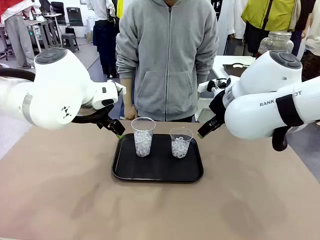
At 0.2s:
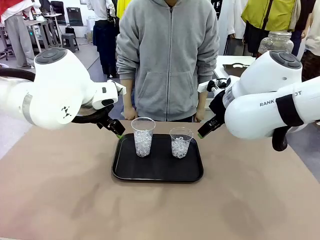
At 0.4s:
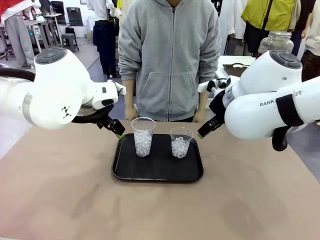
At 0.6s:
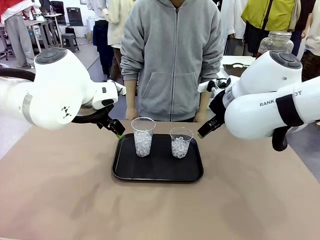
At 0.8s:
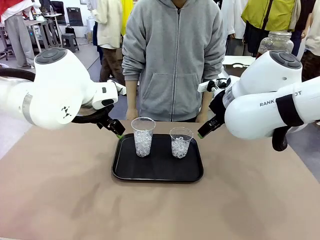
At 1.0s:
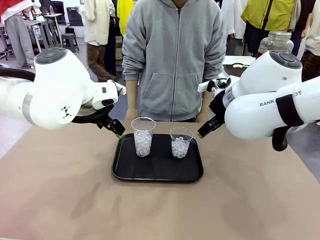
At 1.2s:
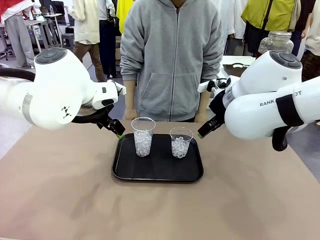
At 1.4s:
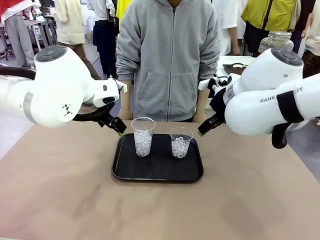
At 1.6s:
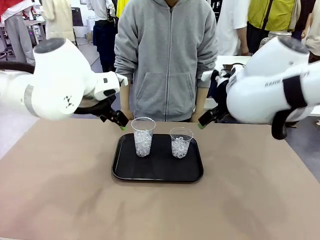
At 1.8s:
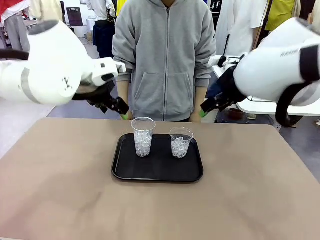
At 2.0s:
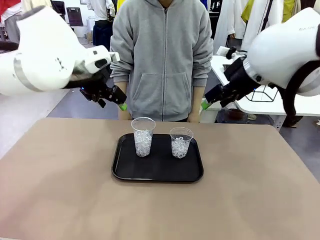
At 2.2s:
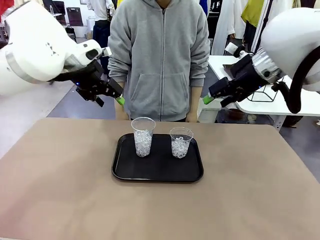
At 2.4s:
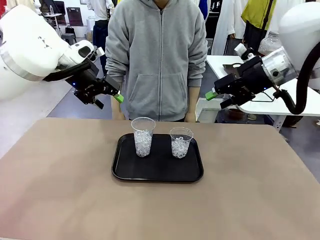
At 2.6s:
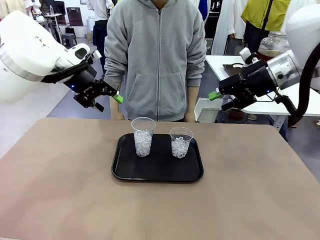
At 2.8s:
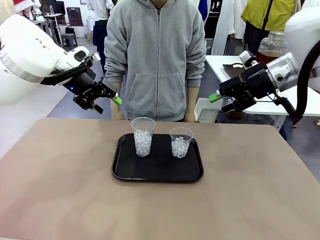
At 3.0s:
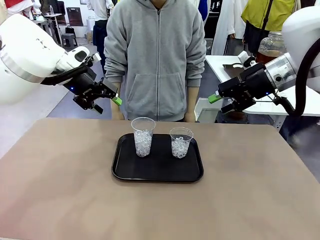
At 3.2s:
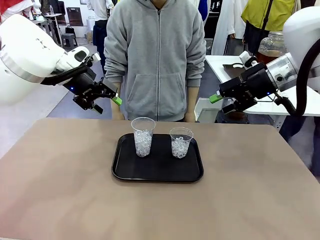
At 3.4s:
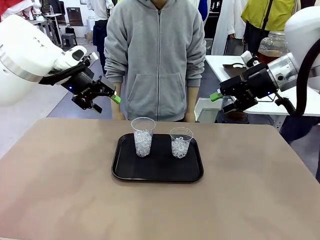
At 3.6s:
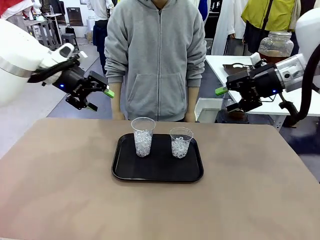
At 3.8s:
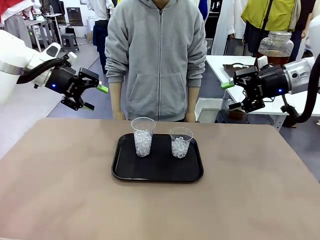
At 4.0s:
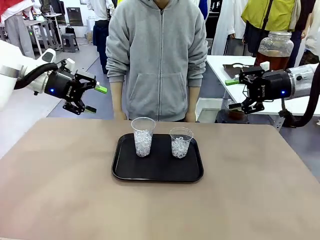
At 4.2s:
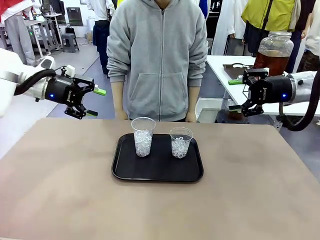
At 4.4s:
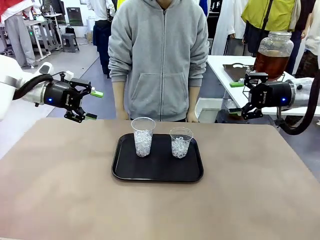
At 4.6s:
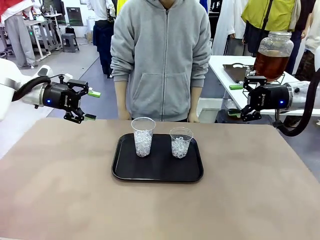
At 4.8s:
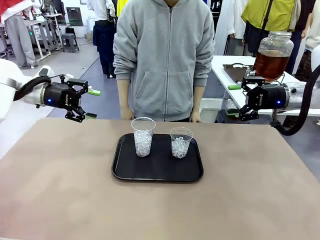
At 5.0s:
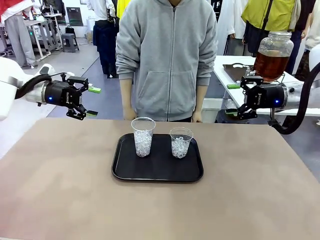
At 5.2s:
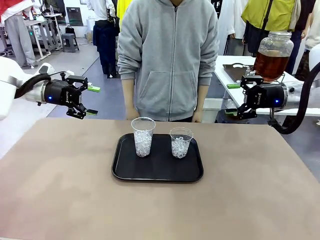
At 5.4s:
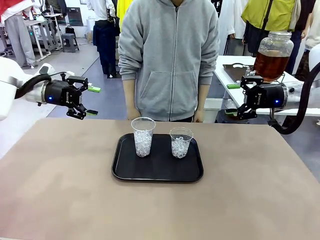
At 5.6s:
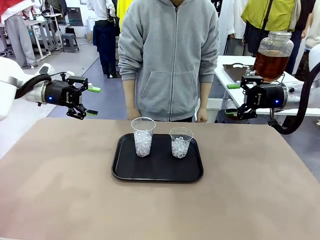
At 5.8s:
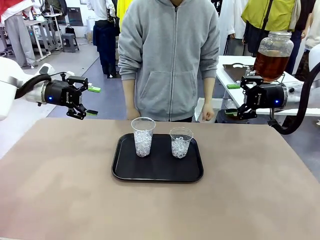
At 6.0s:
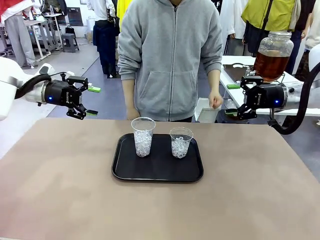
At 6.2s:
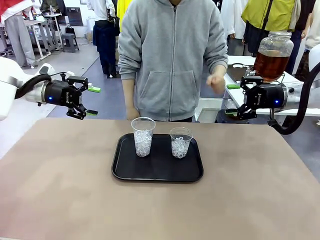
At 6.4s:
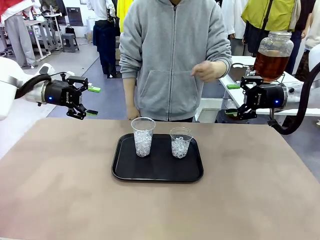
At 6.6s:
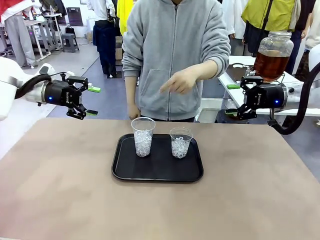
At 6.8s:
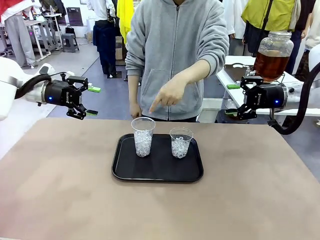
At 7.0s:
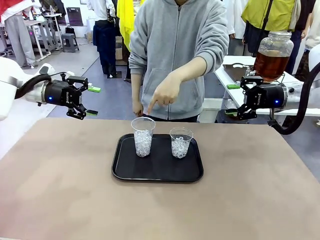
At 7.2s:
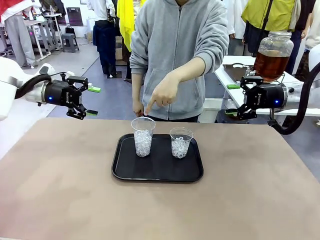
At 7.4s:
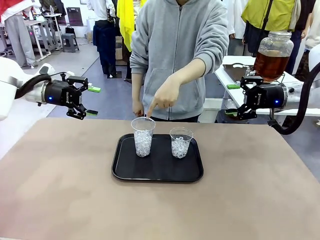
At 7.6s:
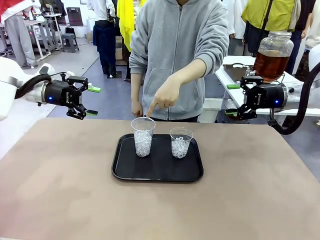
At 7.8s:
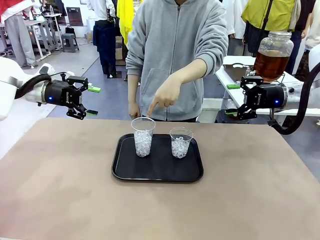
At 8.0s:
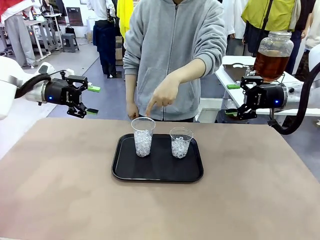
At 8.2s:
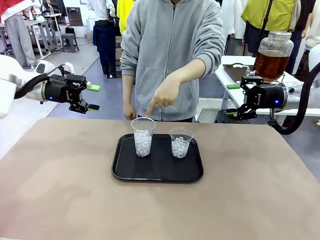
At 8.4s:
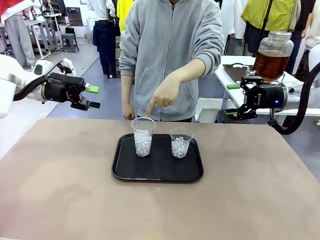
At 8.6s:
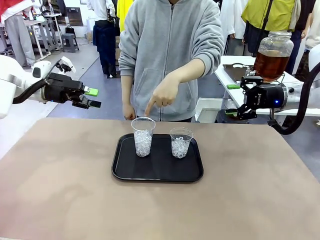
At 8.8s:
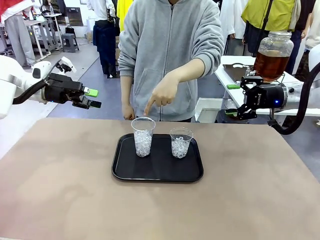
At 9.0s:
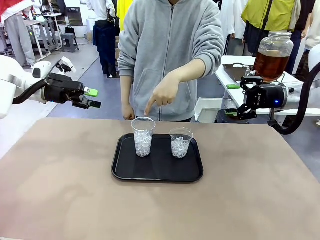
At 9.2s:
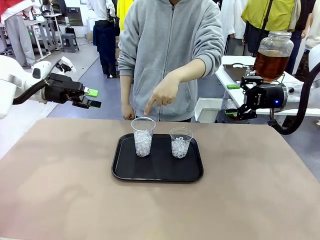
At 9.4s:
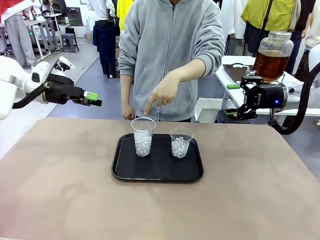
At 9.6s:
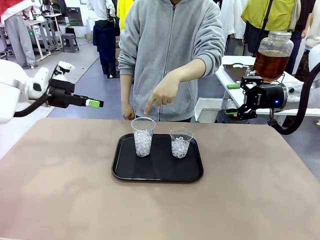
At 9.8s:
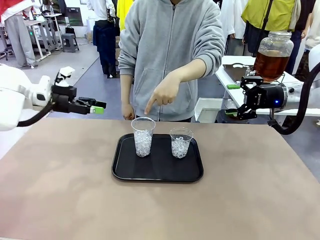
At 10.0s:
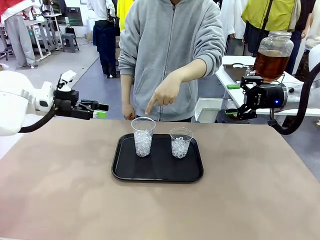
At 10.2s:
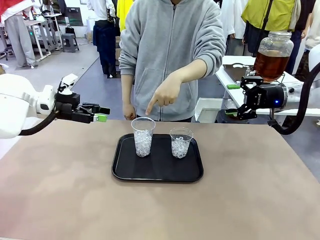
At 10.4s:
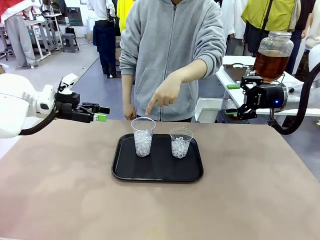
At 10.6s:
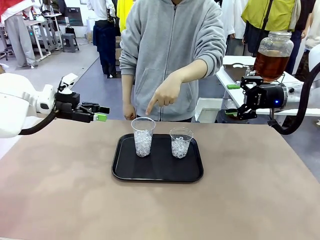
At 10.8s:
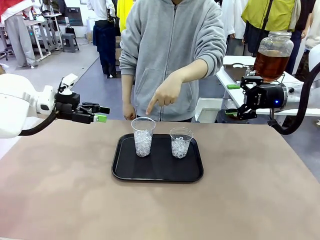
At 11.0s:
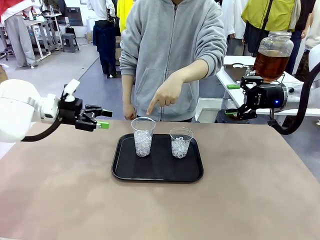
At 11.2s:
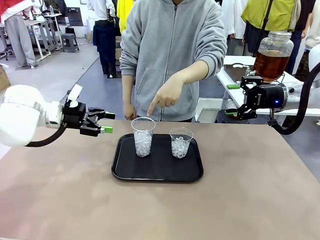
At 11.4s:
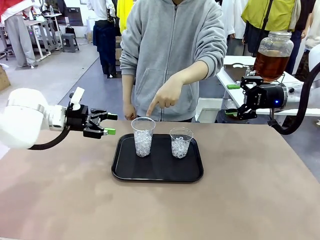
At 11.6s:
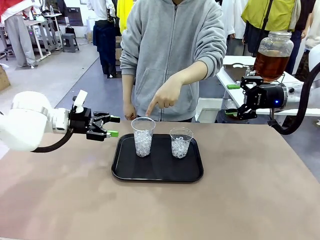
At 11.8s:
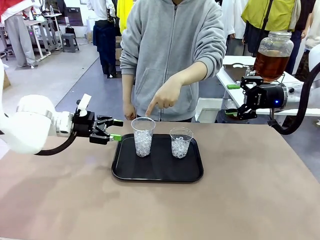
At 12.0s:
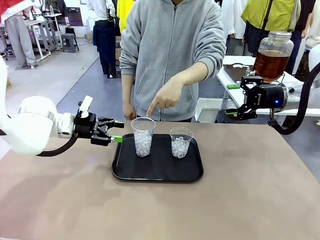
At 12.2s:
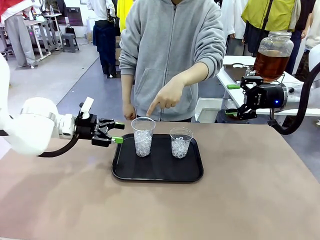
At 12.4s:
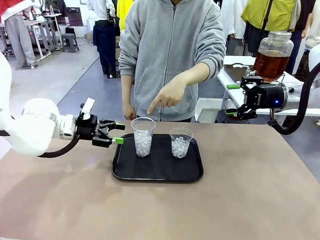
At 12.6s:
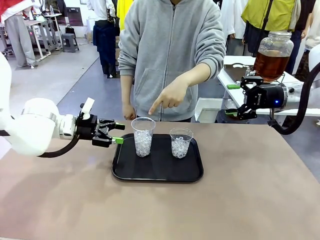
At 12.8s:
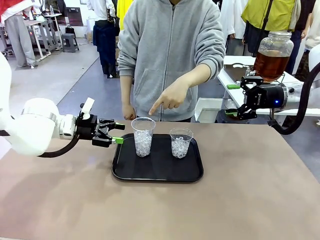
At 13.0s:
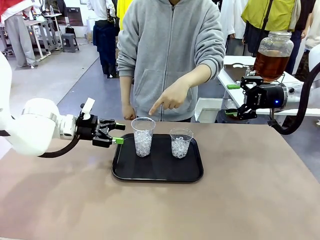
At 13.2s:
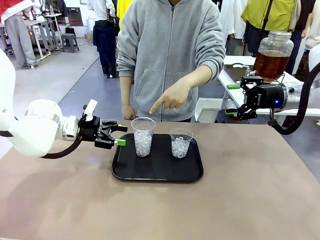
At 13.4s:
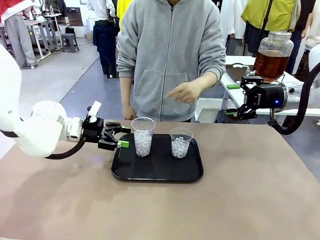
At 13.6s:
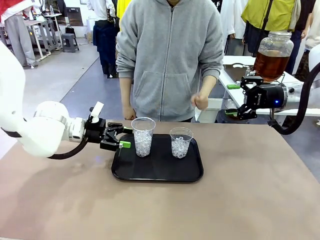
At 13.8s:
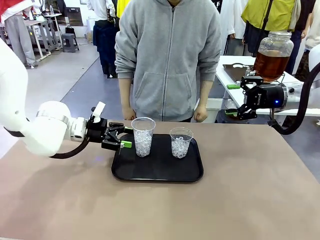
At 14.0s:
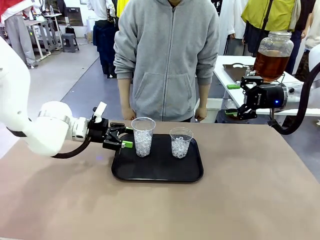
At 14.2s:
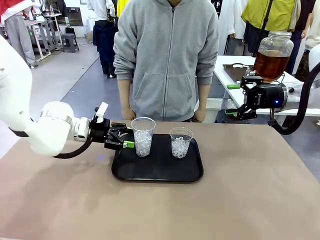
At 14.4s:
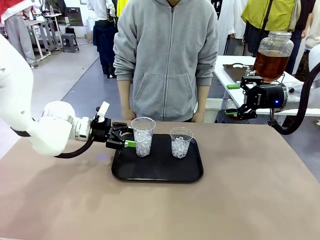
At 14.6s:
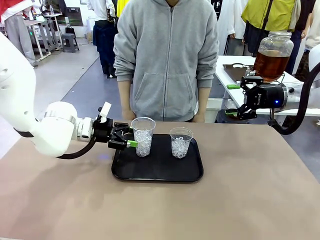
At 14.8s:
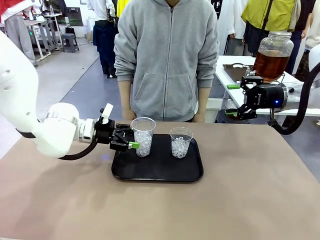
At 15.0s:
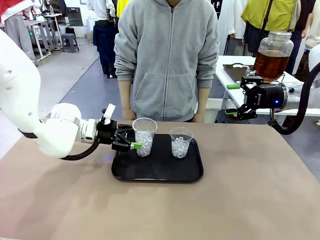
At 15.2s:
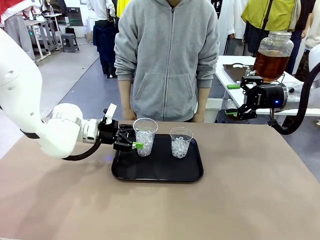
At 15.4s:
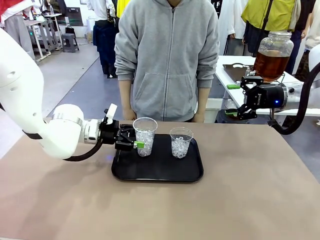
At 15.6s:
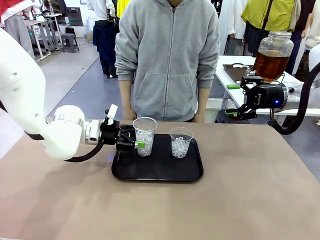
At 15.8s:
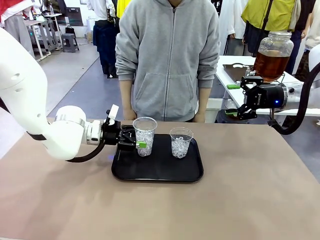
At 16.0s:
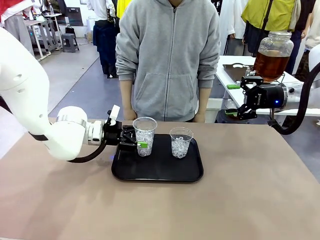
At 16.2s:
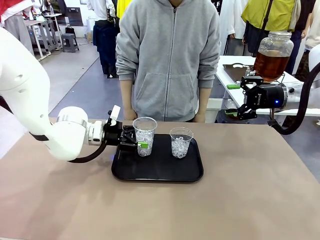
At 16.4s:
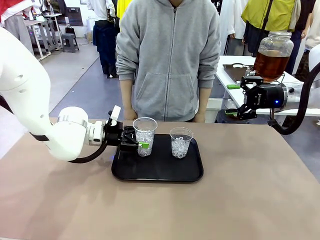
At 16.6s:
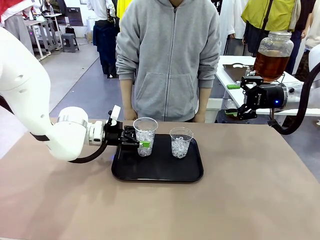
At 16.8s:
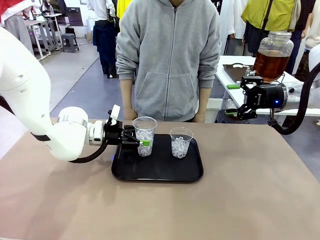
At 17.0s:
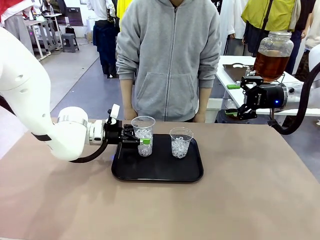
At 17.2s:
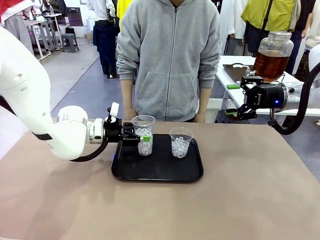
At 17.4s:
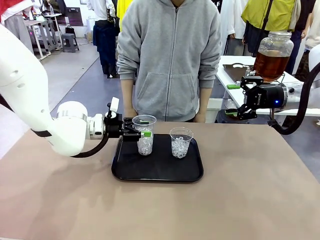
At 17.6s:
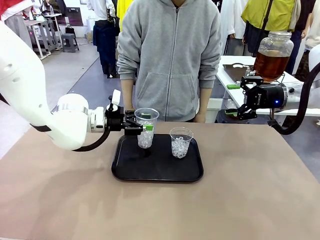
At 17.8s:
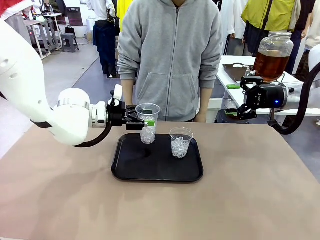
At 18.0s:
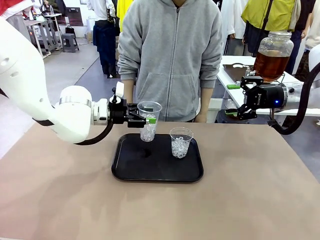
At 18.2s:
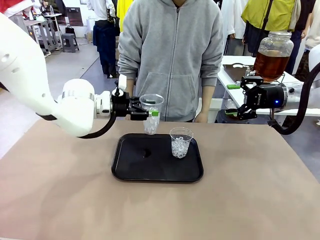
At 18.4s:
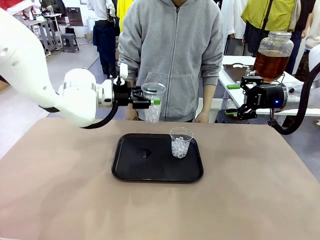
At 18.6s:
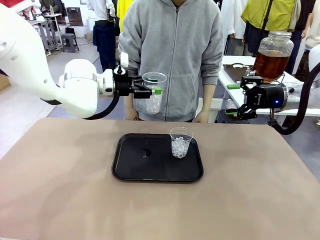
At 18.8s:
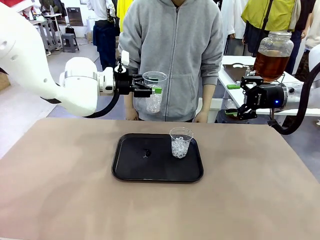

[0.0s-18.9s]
Task: Pour the drink into the iced cup.
Robot: Pick up the iced cup indicated by the human and present it to them.
Person: Point to one of the two ice cups. Pick up the cup offered by the robot.

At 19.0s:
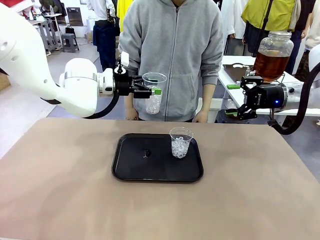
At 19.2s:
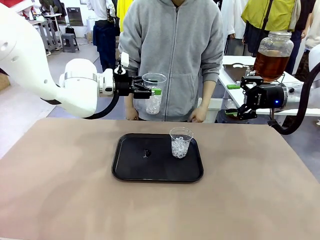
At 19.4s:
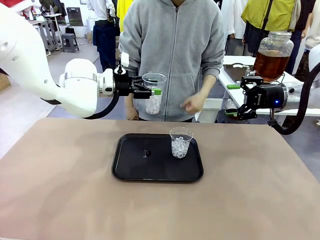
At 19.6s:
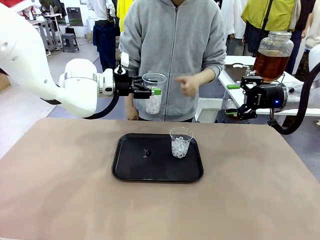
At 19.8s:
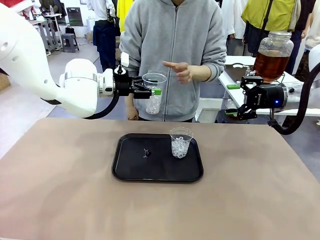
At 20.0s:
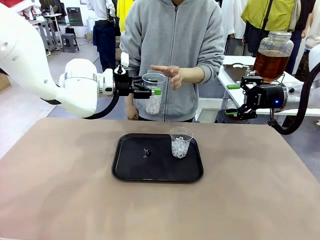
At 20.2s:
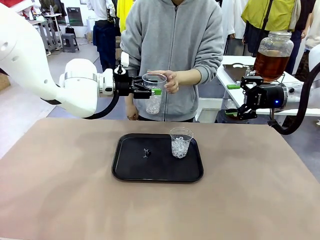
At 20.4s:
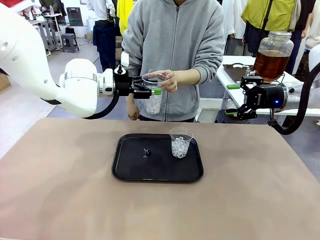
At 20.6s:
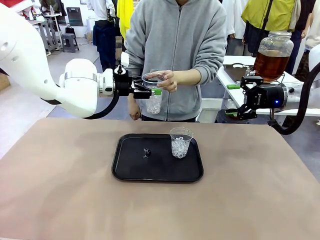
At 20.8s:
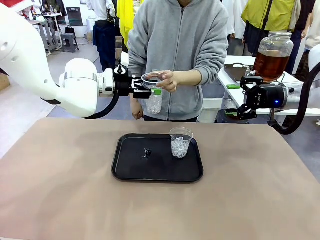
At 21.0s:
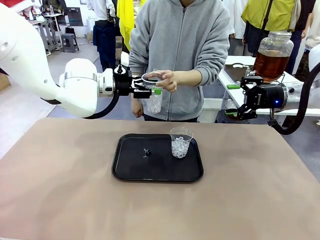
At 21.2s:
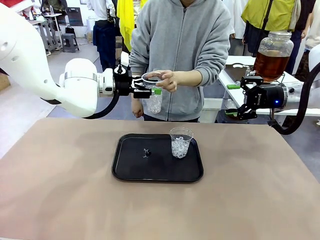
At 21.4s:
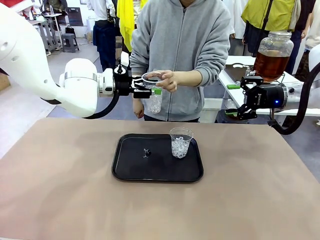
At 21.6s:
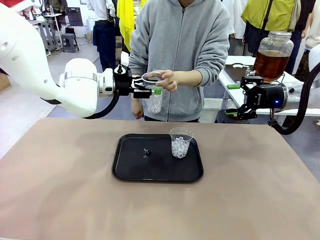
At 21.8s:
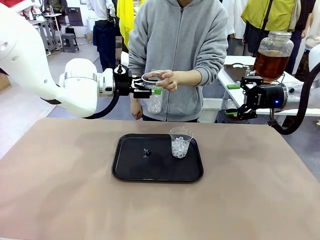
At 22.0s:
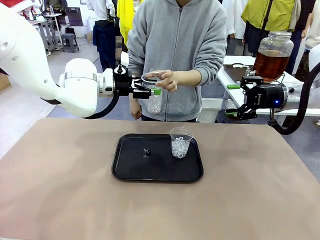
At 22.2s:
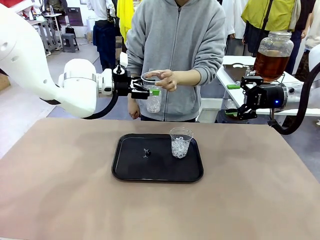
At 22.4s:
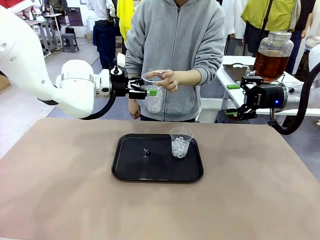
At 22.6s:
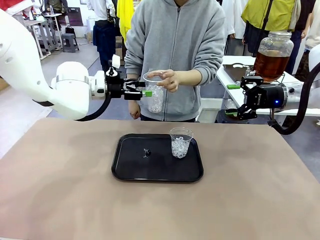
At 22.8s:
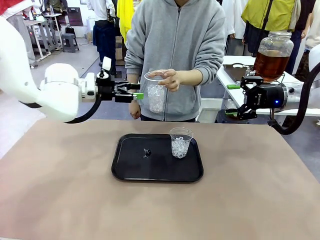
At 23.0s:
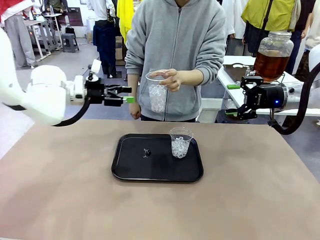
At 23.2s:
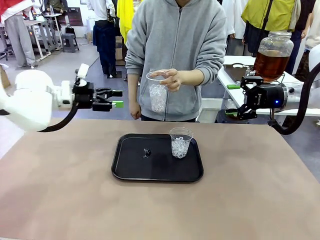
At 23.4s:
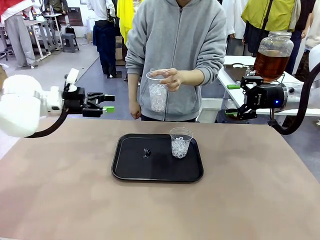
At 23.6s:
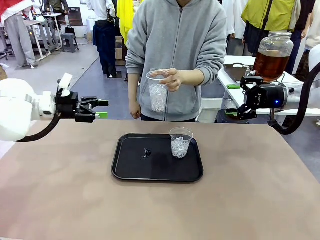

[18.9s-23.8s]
Robot: Open the gripper to release the iced cup you were holding.
